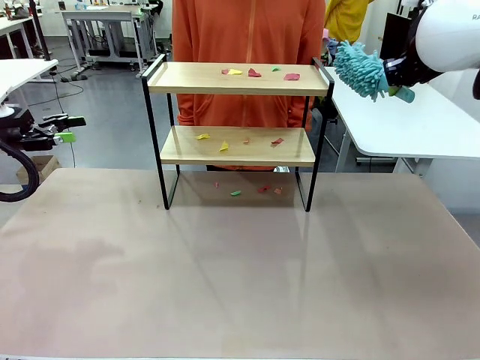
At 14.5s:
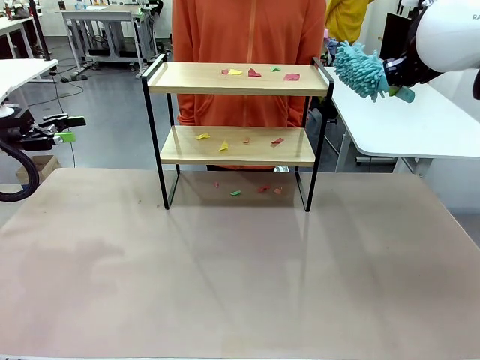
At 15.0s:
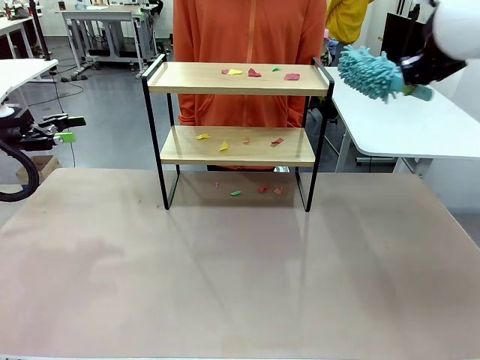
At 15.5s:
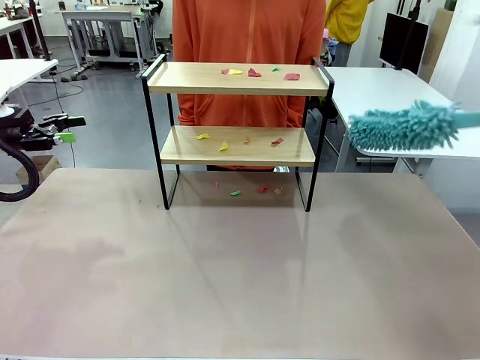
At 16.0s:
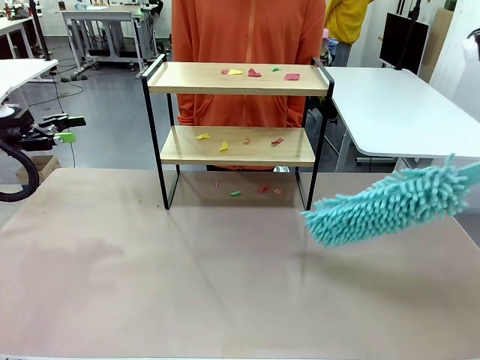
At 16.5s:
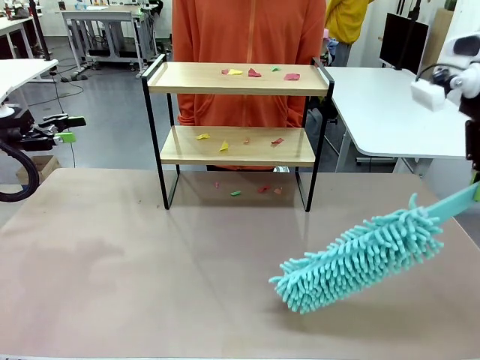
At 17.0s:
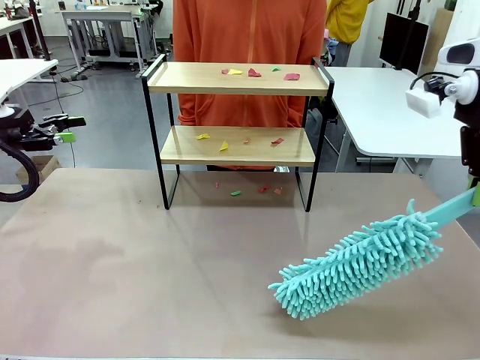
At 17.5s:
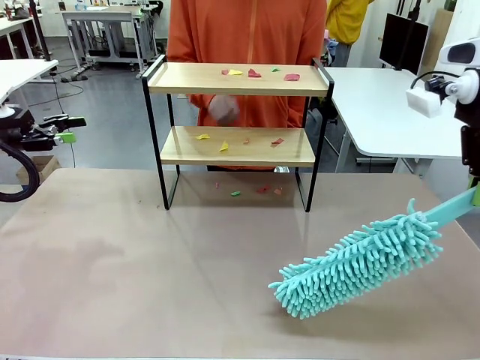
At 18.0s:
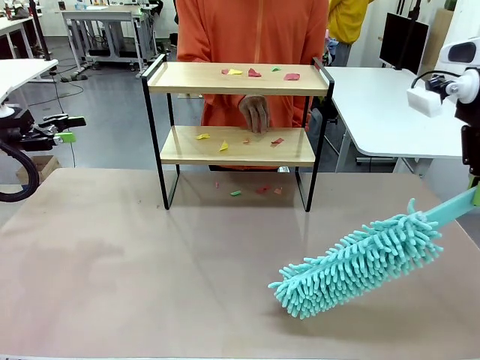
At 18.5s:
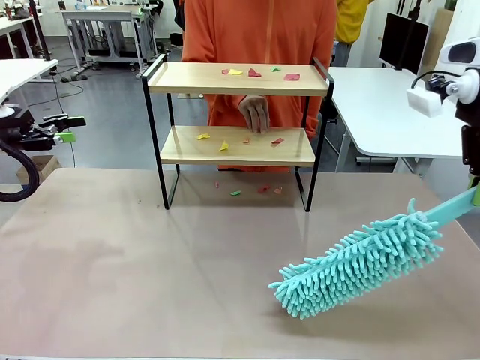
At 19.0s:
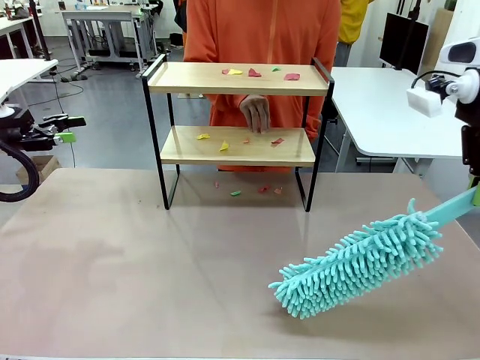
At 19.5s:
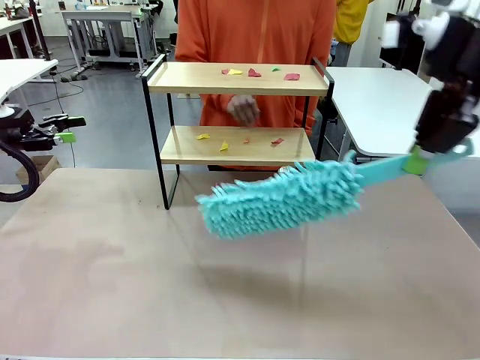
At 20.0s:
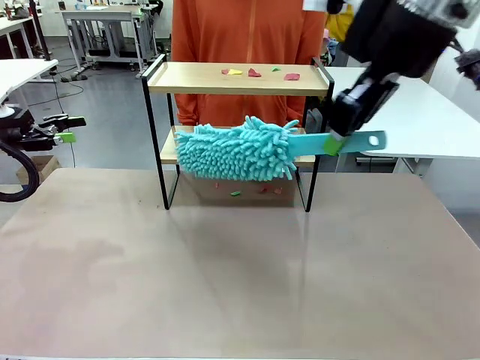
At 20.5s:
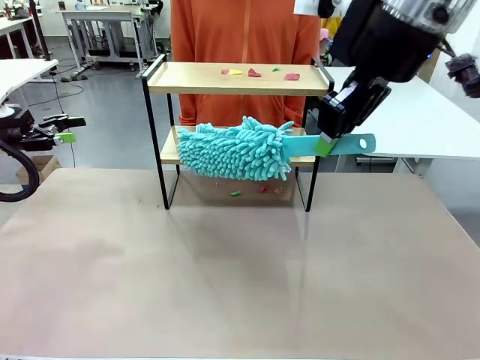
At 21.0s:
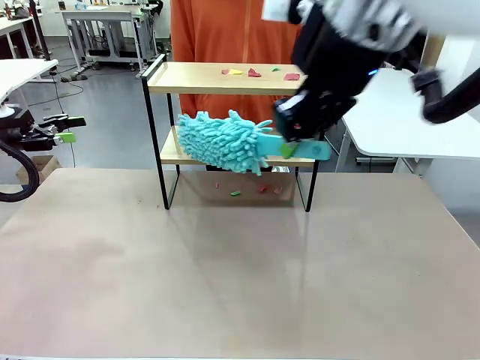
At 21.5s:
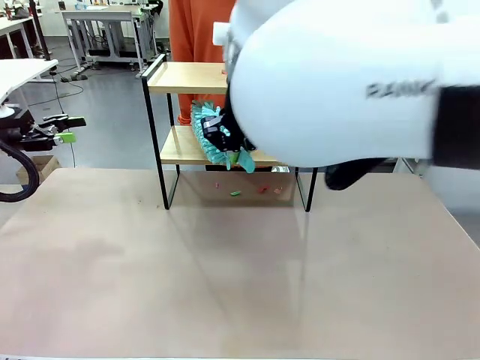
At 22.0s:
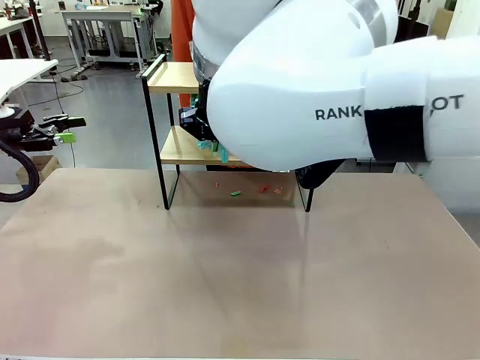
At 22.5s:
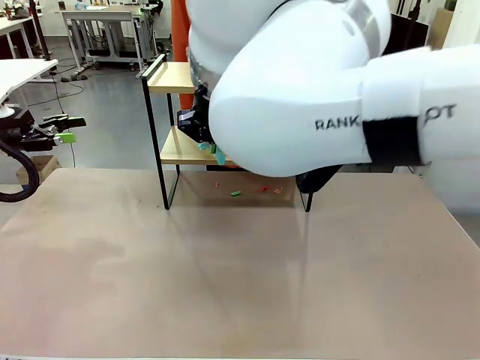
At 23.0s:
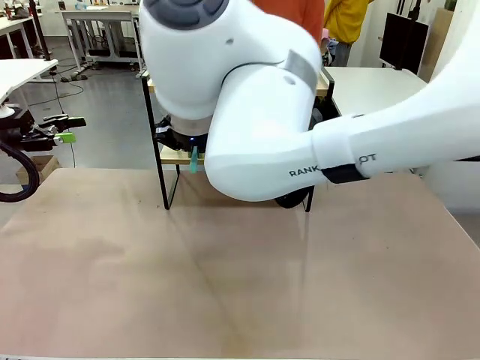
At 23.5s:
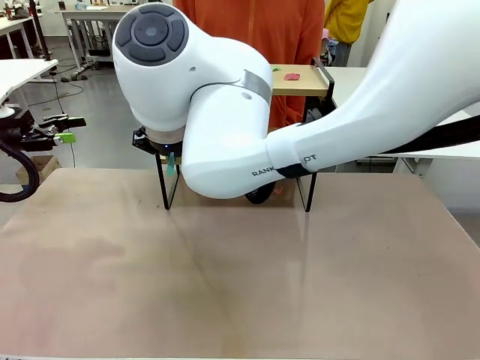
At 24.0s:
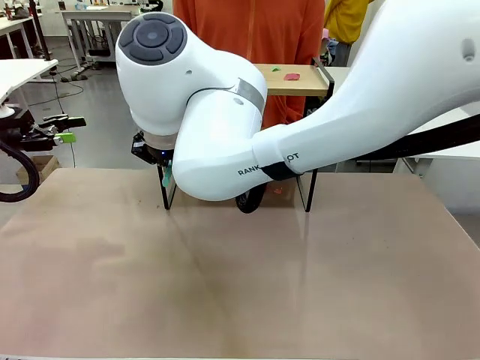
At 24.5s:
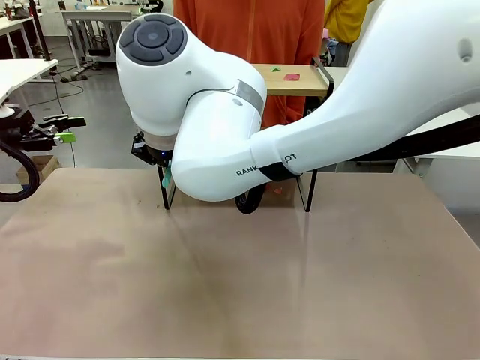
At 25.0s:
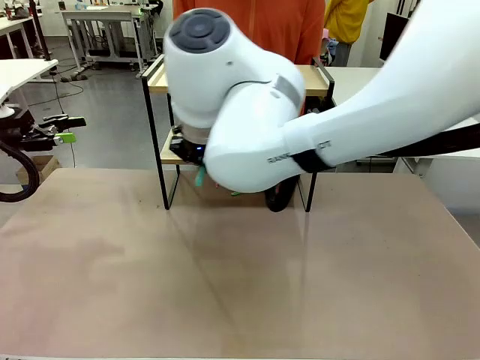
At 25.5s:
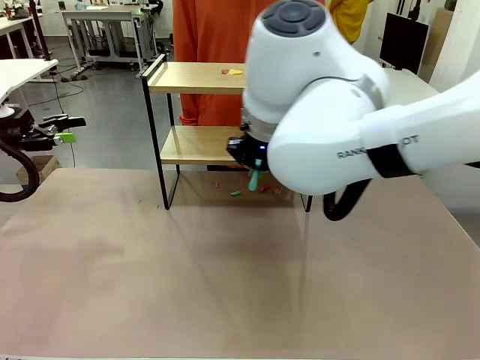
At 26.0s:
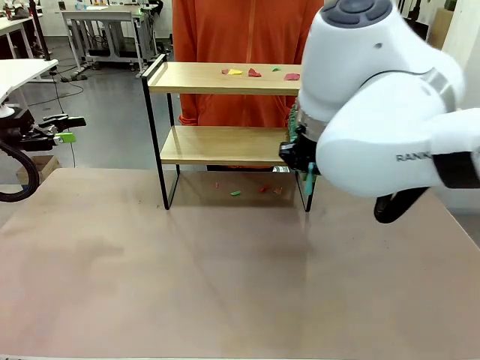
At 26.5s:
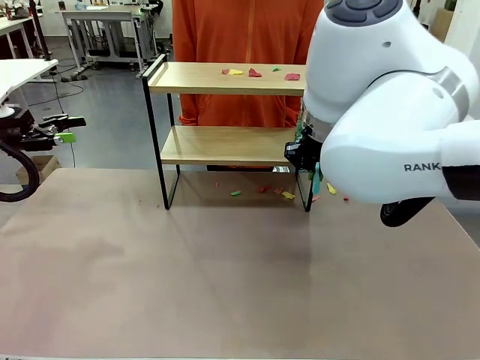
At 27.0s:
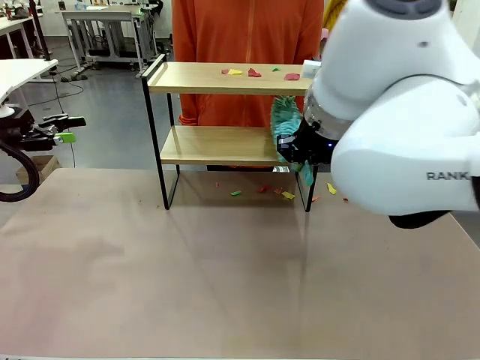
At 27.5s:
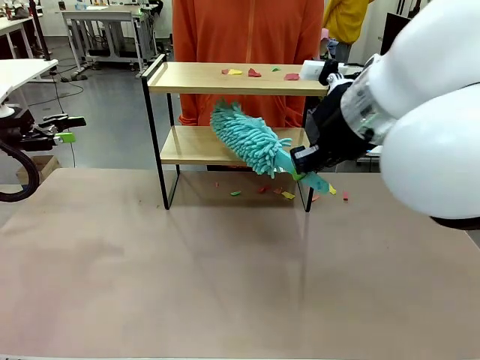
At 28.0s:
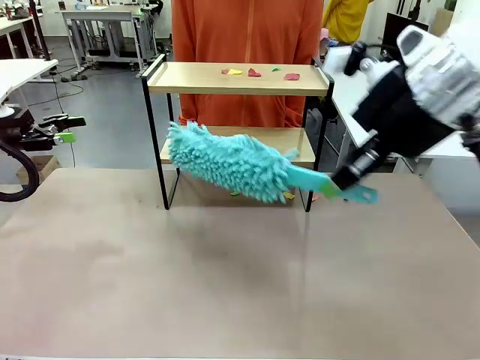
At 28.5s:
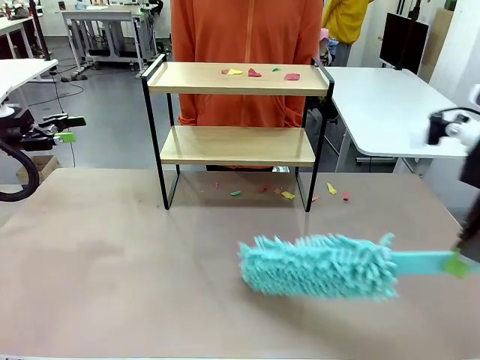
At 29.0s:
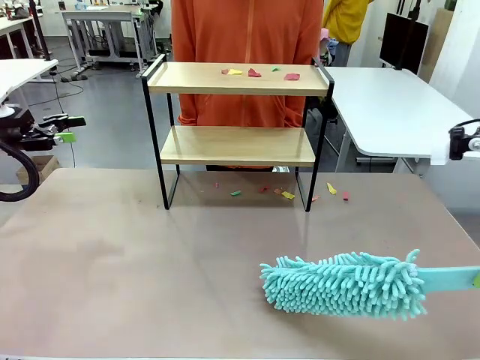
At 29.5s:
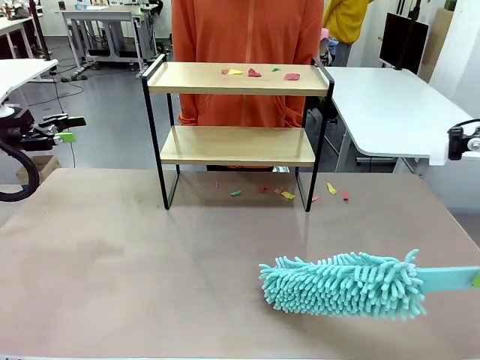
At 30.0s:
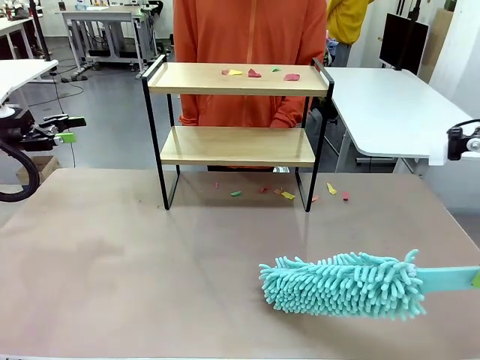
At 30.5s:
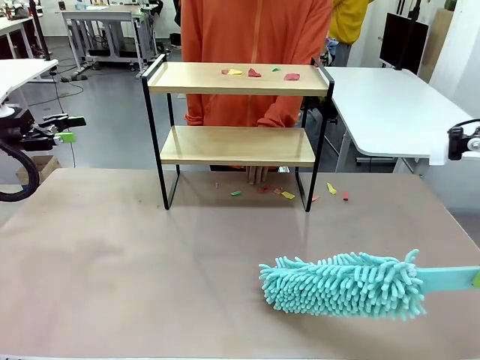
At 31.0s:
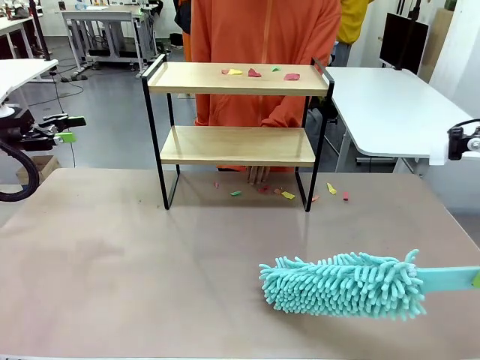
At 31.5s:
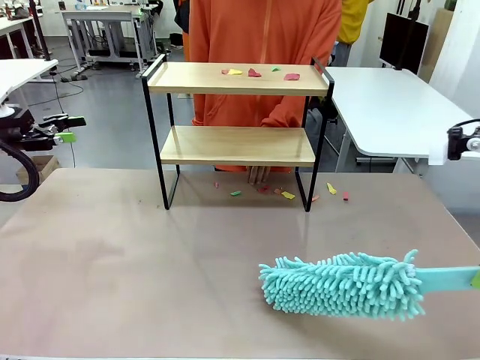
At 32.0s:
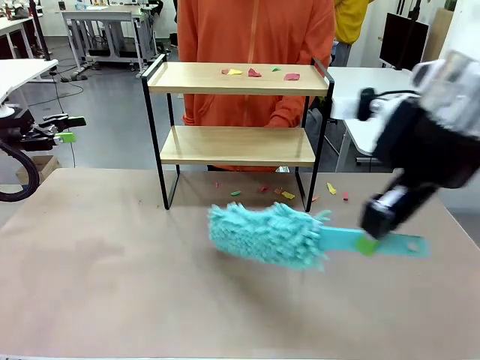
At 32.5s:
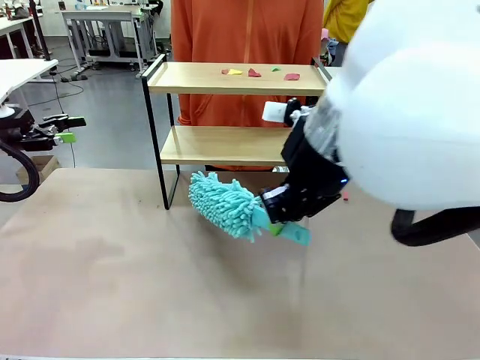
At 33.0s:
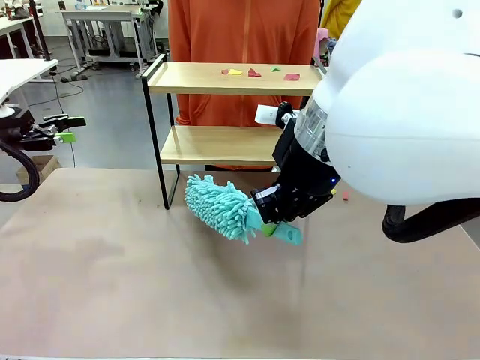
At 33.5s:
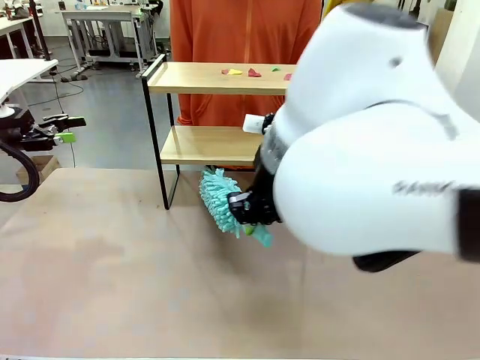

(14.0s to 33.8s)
Task: Clean the shelf.
Robot: Clean the specific section of the Shelf indicated by the human with the Duster.
Person: Point a random section of the Shelf.

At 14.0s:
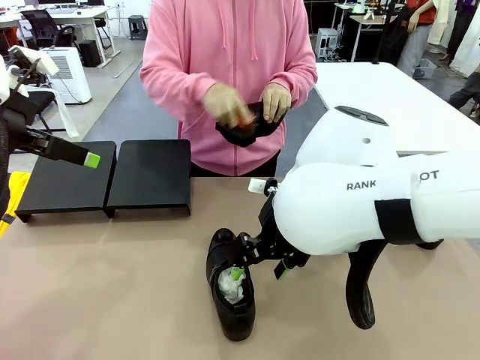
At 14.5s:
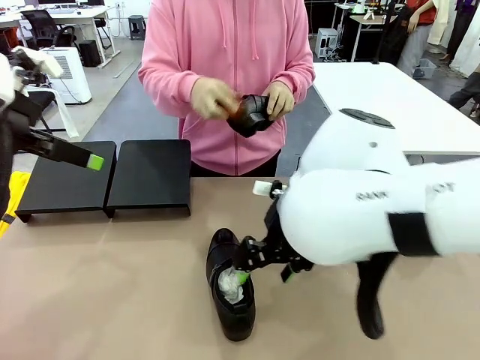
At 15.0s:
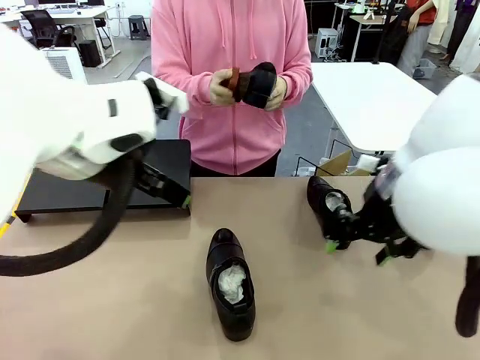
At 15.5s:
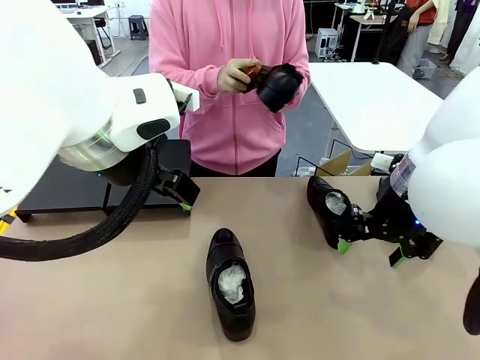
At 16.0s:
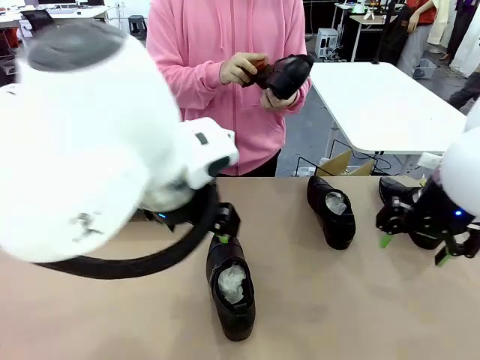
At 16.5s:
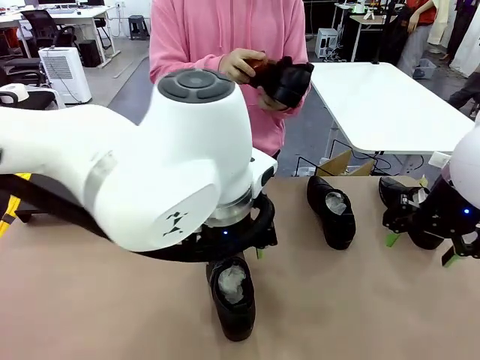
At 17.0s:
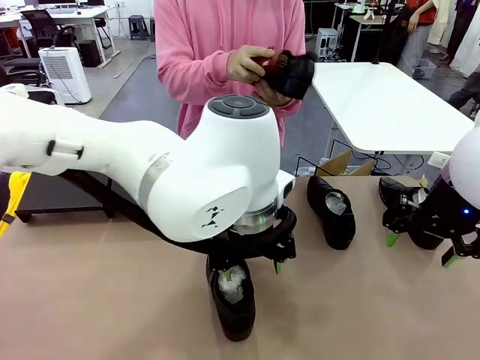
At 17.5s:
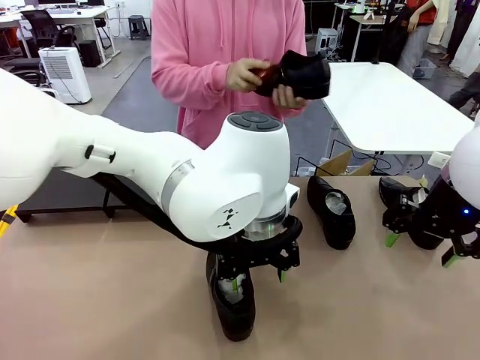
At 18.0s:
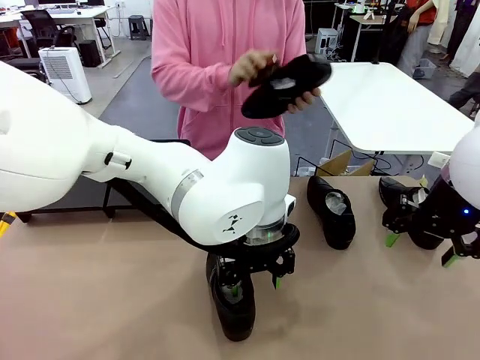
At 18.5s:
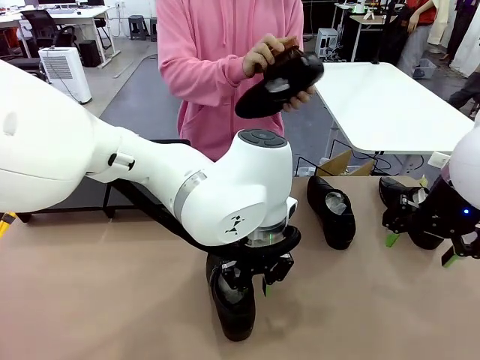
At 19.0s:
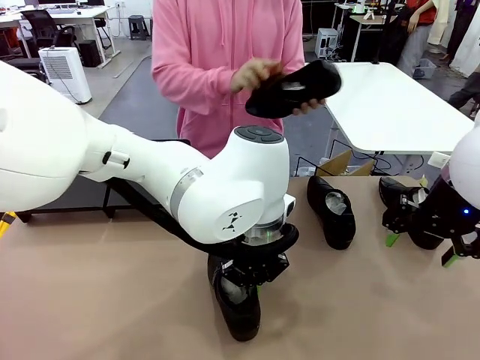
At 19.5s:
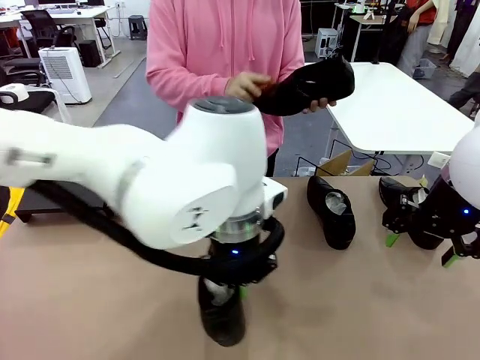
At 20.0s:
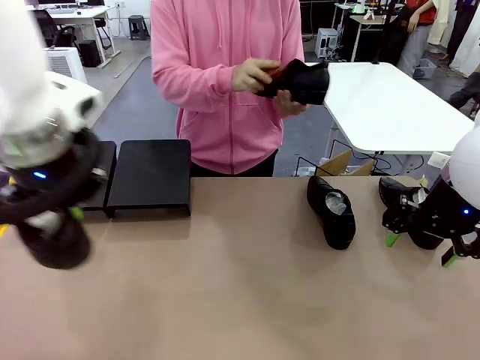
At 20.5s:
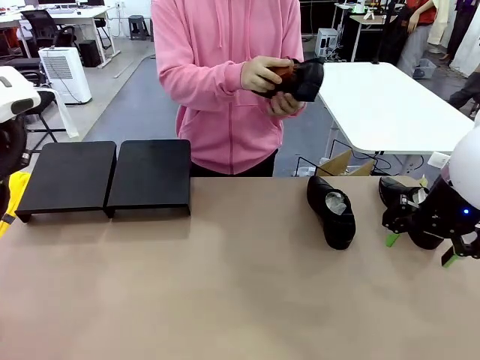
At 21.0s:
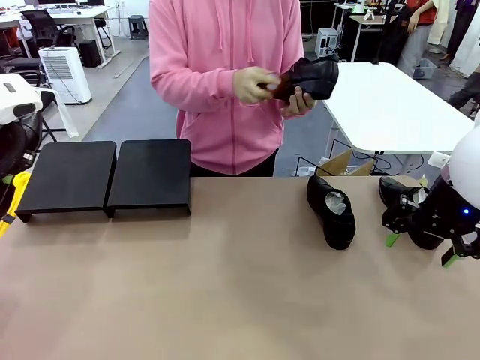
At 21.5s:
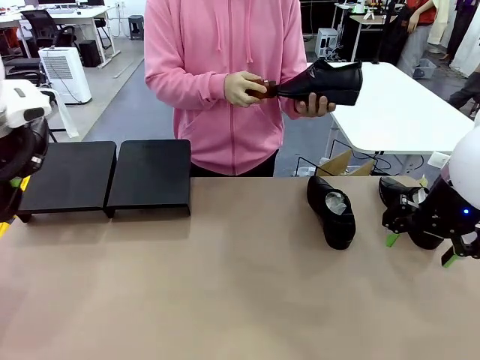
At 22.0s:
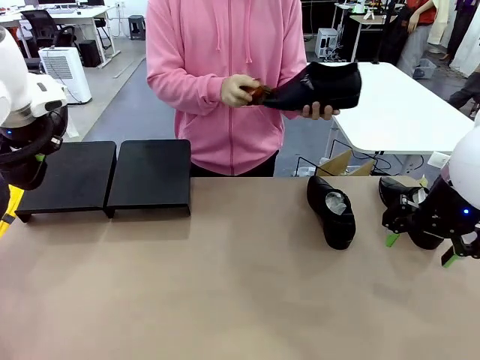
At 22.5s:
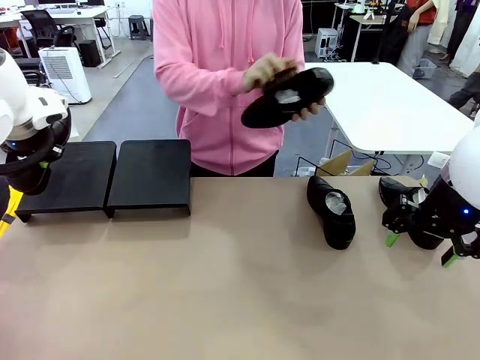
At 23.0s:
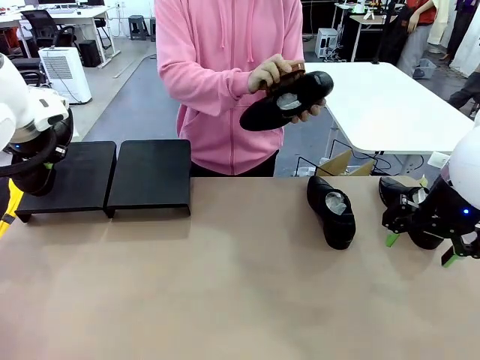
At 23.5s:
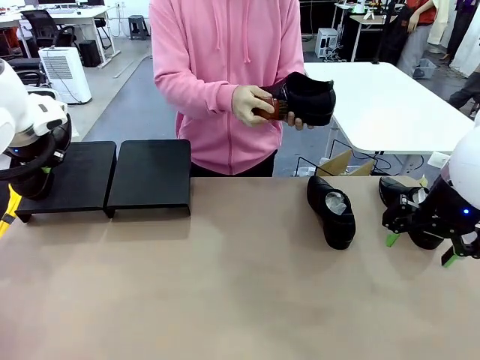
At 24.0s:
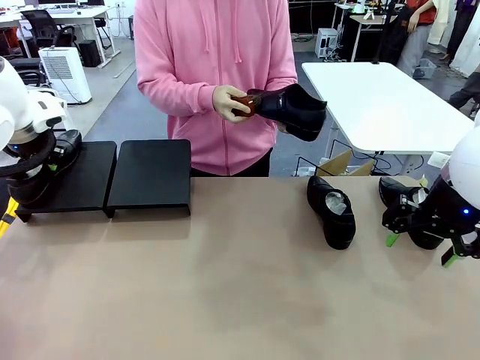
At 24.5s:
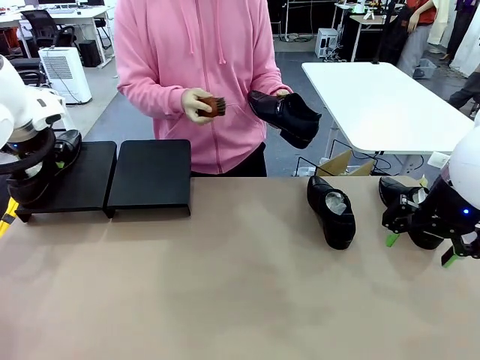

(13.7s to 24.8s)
Task: Organize the shoes by placing them on the stand.
Robot: Place the Shoe from the middle of the table onto the Shoes Stand.
Person: Clean the Shoe with the Shoe Brush.
